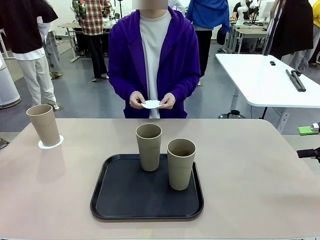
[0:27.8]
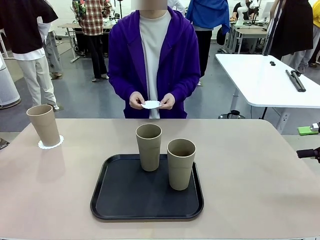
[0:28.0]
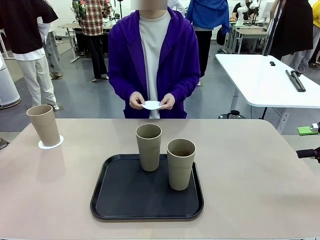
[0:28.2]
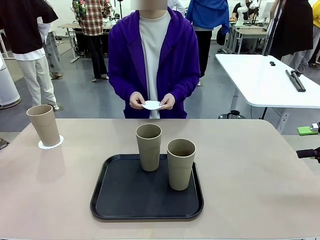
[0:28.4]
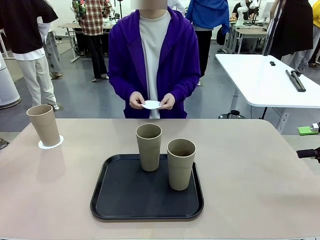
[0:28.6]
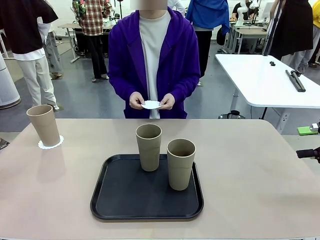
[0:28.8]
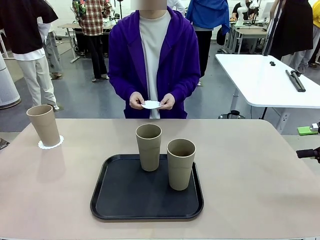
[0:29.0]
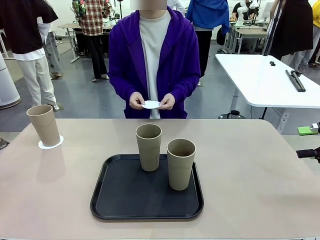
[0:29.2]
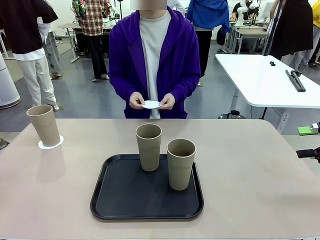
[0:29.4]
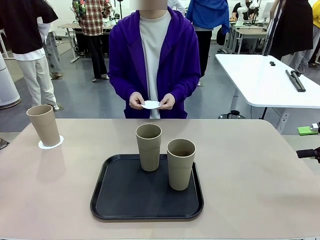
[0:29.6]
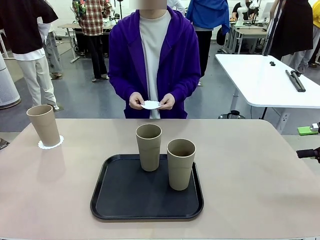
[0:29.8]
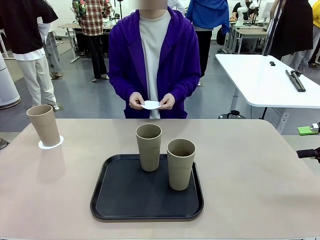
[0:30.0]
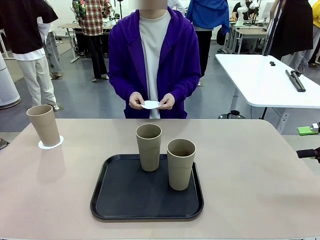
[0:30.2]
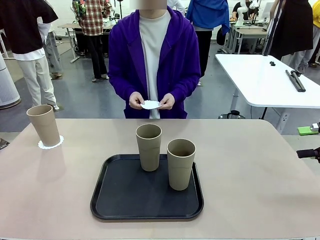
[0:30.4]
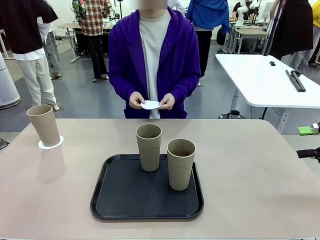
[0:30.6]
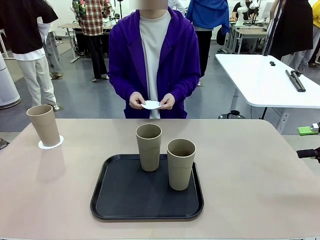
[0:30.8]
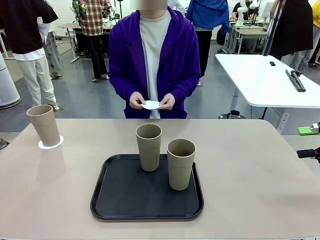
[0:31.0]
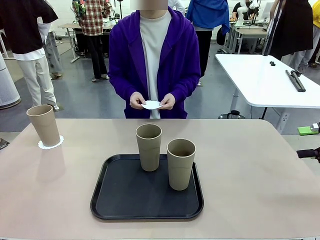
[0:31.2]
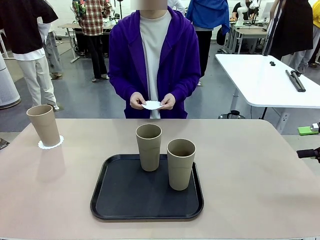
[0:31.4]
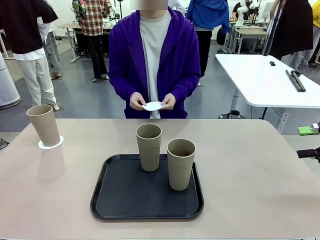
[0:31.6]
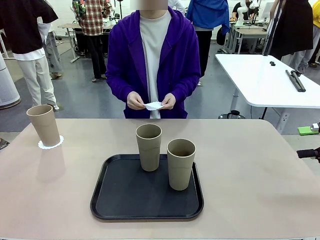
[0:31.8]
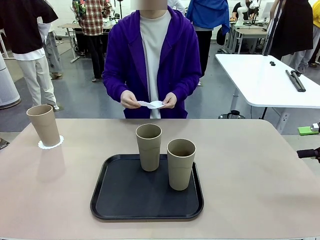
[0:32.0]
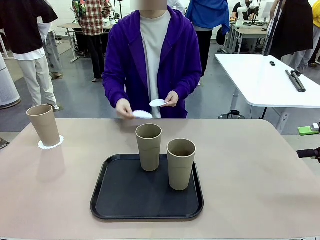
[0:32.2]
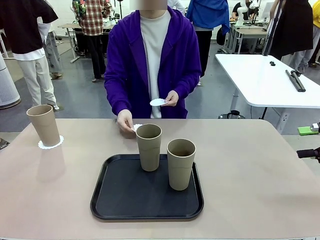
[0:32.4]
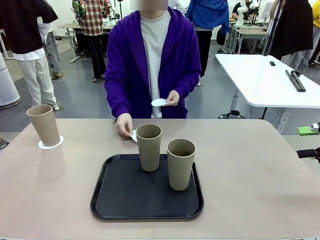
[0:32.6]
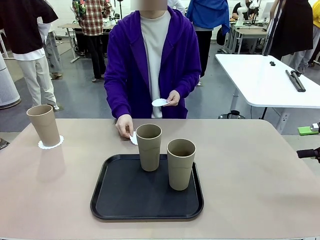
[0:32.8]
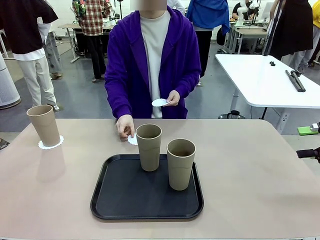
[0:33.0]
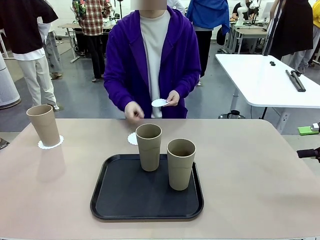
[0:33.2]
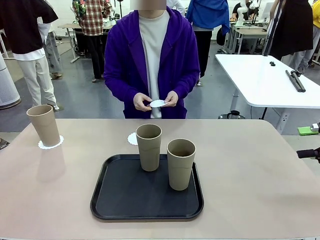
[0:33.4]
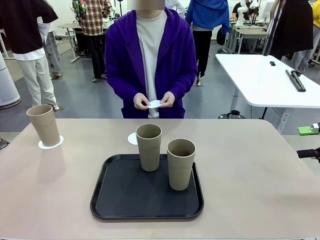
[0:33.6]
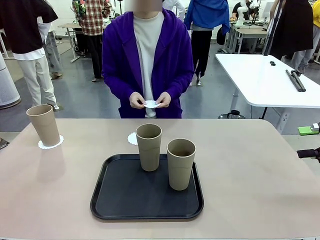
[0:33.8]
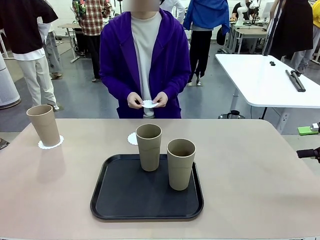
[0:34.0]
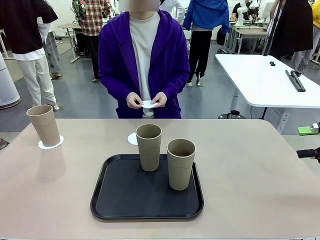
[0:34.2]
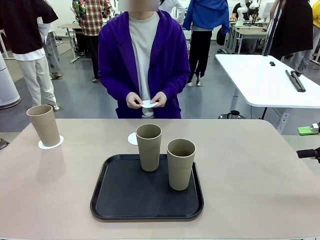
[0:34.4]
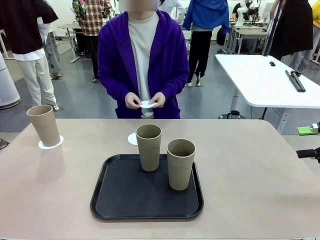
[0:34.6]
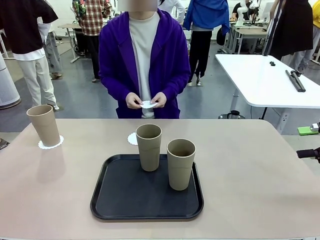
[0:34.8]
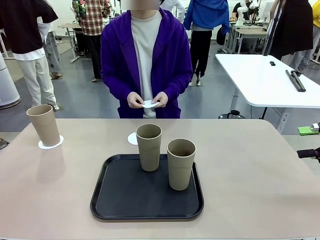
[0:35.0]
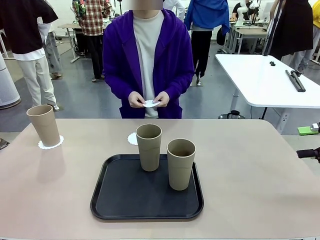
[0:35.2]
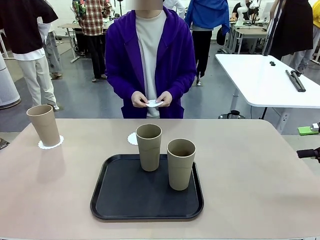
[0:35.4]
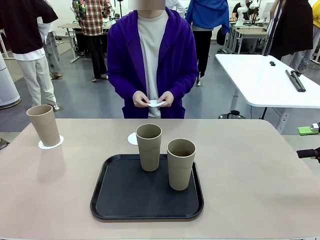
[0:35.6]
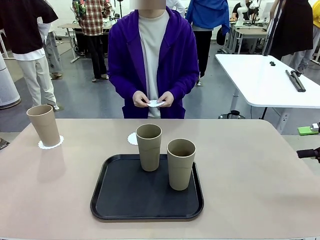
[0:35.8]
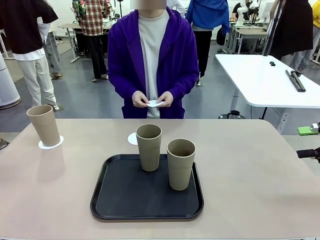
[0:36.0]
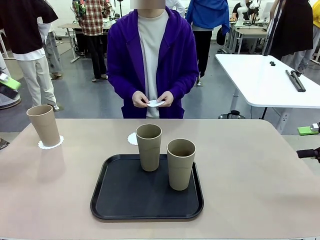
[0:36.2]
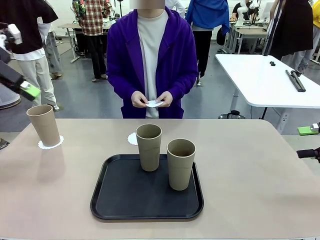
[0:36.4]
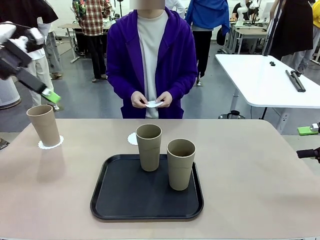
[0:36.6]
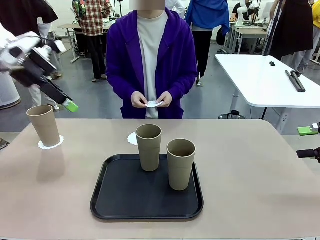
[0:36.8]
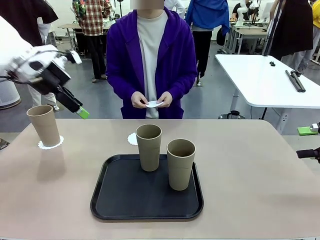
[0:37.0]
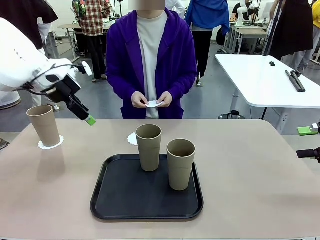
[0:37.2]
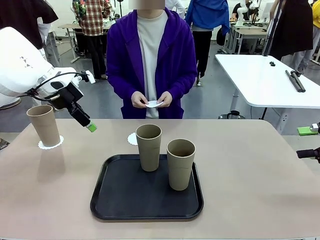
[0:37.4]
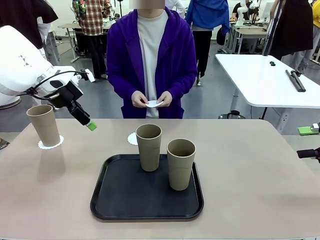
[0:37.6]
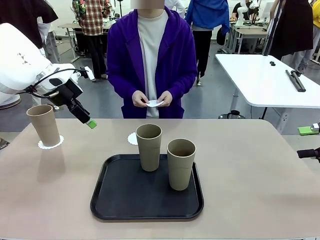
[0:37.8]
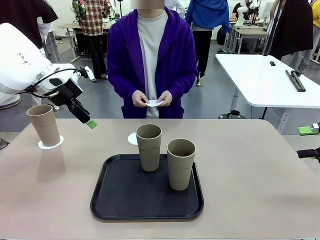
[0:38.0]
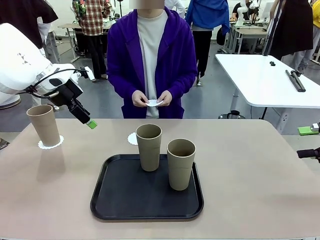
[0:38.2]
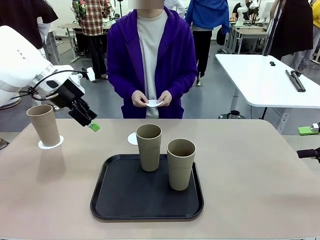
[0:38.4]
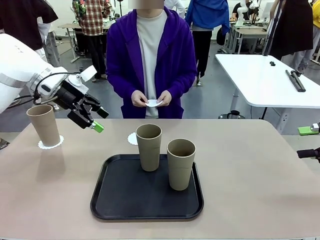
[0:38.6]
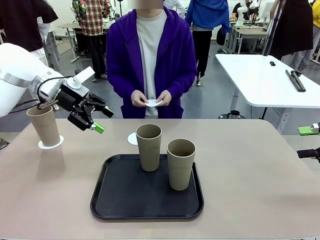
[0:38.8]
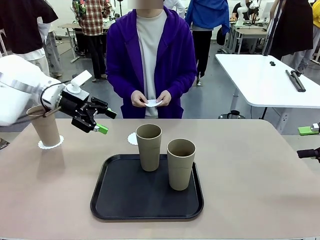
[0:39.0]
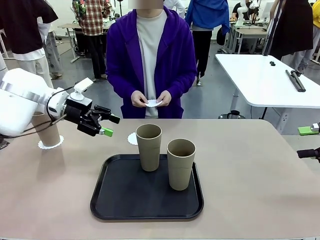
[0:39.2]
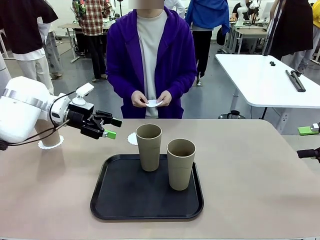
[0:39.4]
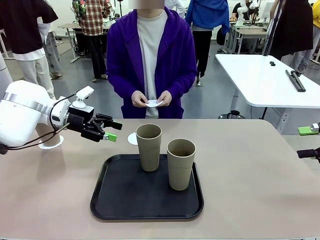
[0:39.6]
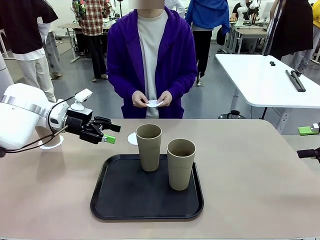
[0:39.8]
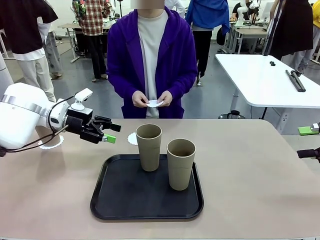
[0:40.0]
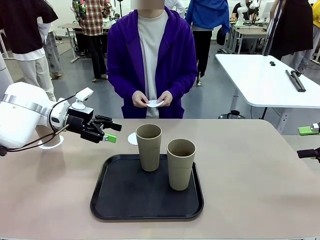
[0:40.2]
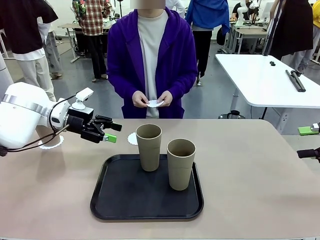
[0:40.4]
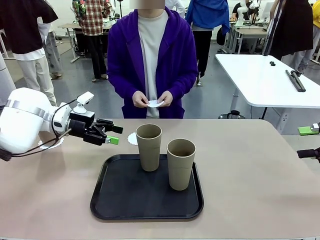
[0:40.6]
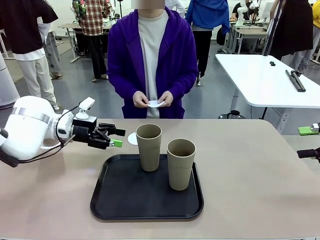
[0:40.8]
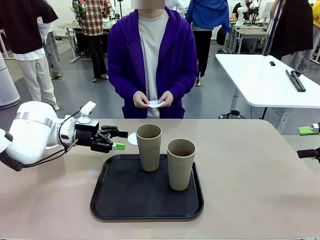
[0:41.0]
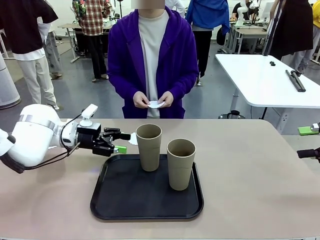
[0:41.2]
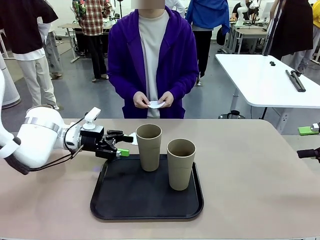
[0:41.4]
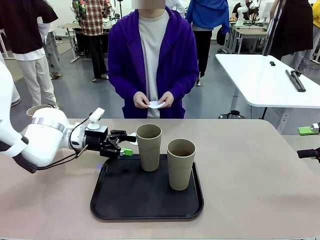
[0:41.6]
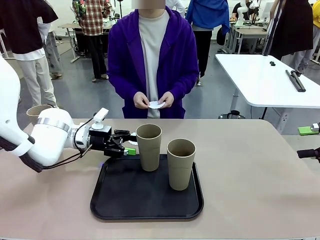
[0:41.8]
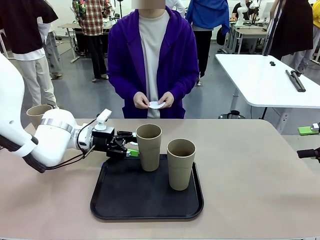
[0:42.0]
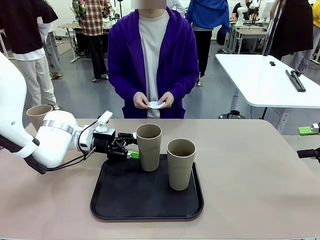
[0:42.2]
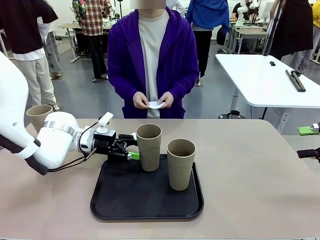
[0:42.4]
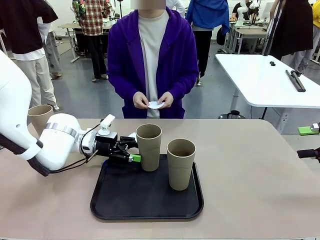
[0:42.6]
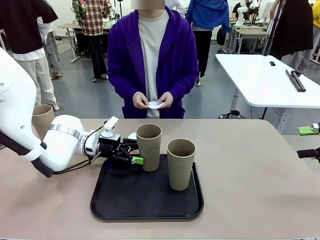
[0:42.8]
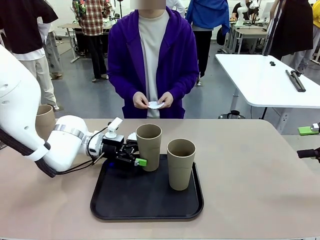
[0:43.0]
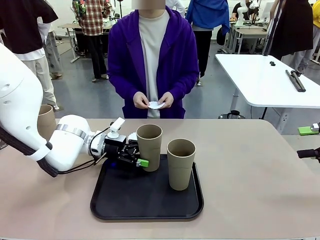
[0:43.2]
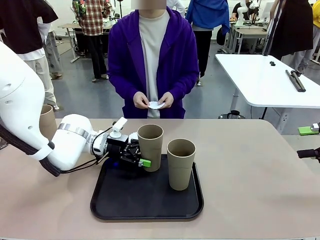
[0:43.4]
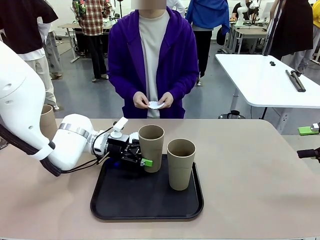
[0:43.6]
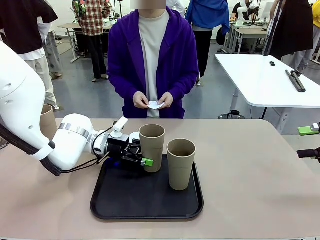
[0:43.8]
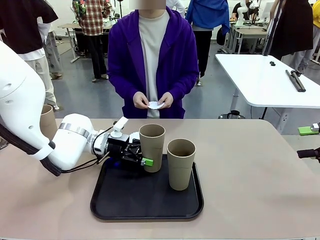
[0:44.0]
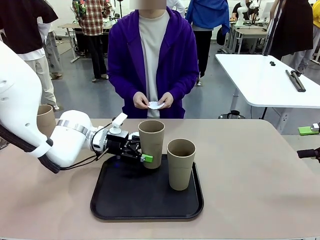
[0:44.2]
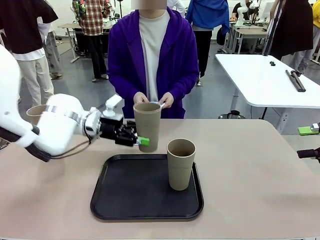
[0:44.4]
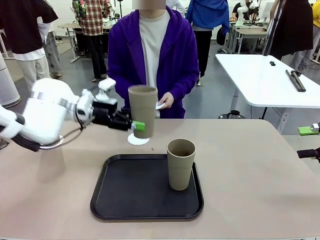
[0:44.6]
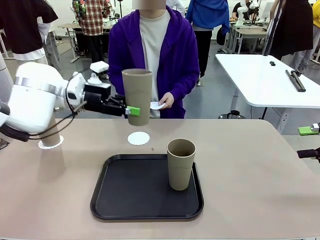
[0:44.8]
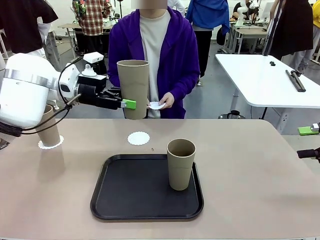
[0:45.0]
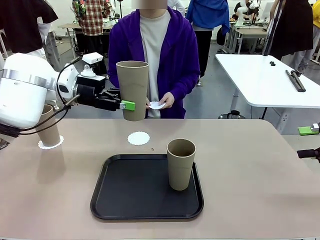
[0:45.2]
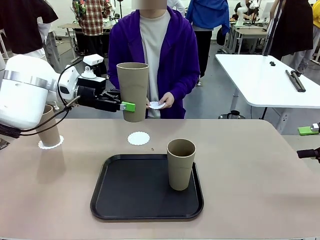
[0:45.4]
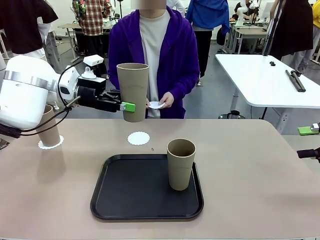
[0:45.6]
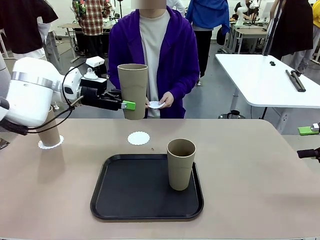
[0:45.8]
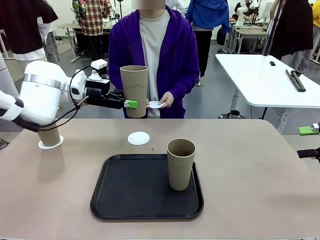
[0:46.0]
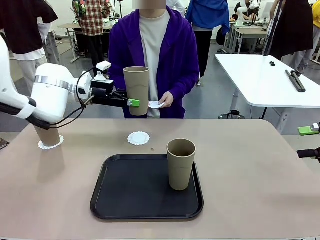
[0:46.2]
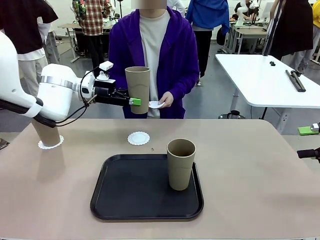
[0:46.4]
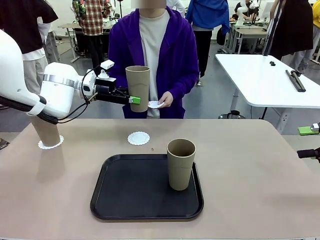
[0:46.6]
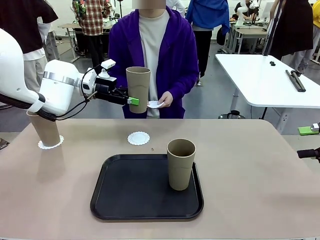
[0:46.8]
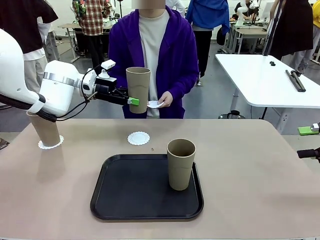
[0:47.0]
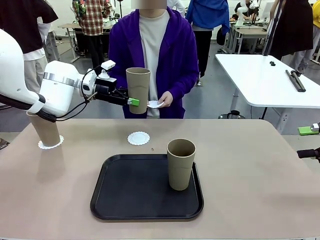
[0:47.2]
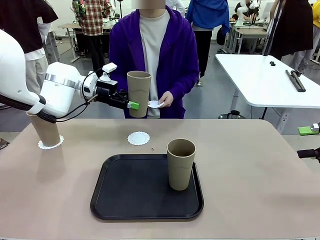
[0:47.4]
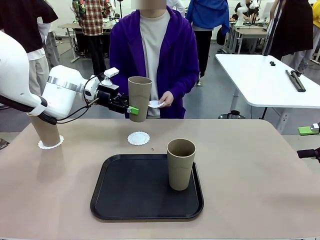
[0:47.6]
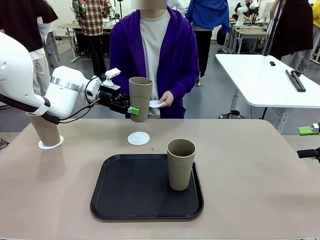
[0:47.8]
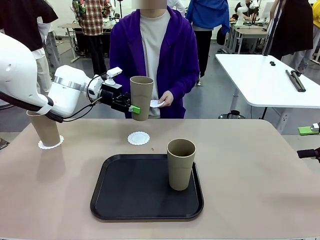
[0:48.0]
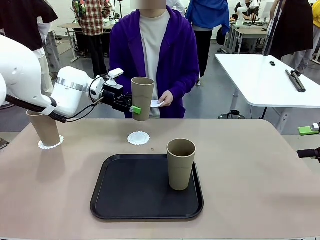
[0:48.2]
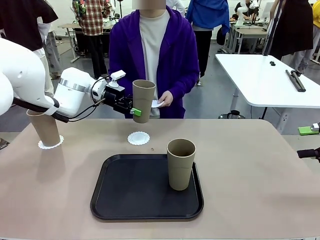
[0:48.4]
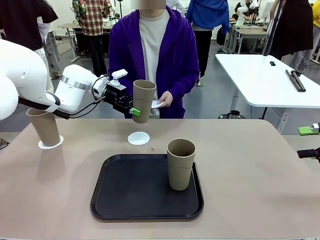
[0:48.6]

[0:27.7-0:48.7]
Task: Place coasters on the table and set cups on them.
Robot: Take one Reusable plastic cup from the Flat Tray and place it on a coaster set by the human.
